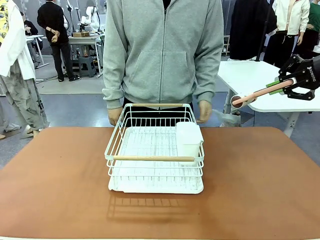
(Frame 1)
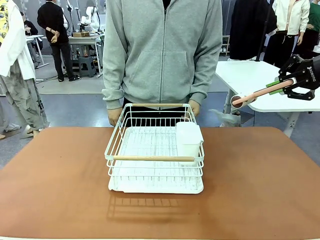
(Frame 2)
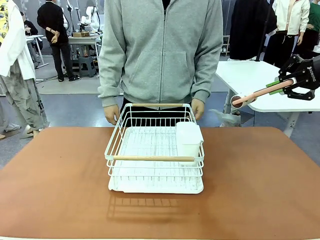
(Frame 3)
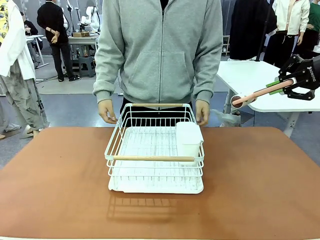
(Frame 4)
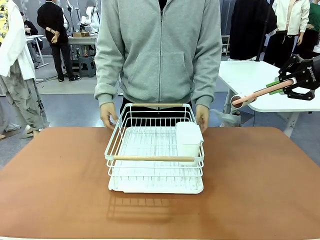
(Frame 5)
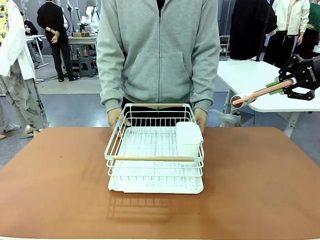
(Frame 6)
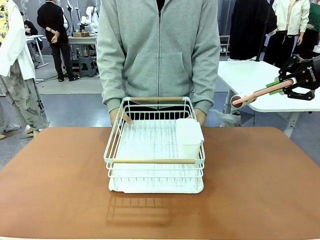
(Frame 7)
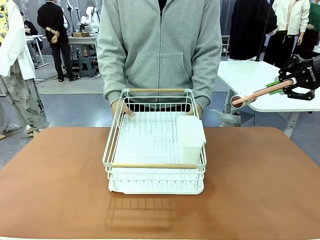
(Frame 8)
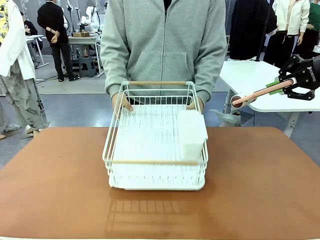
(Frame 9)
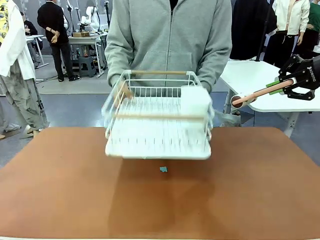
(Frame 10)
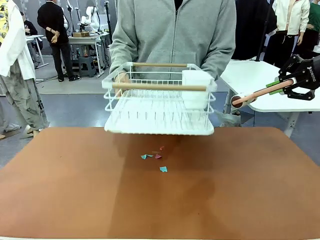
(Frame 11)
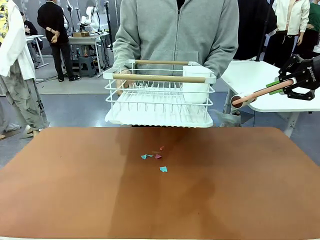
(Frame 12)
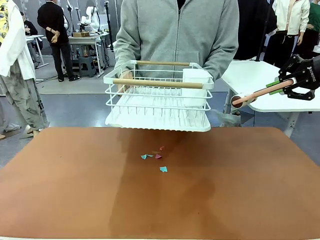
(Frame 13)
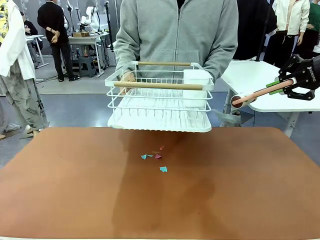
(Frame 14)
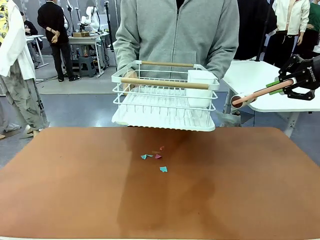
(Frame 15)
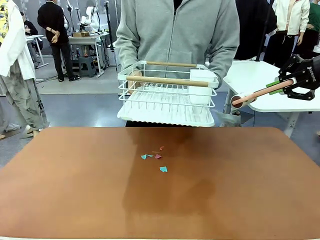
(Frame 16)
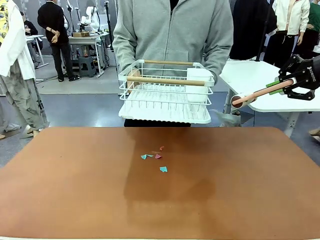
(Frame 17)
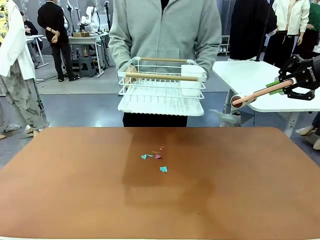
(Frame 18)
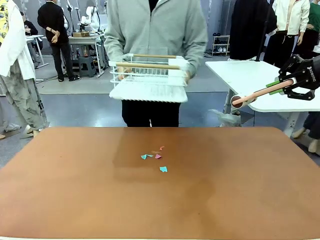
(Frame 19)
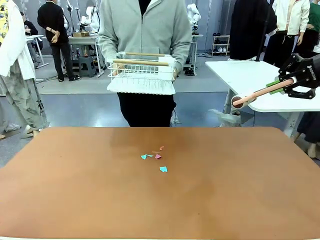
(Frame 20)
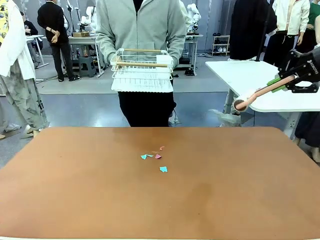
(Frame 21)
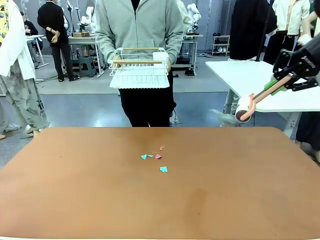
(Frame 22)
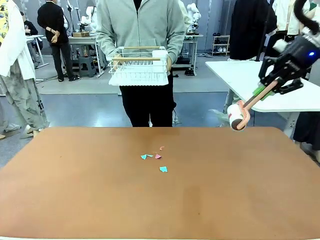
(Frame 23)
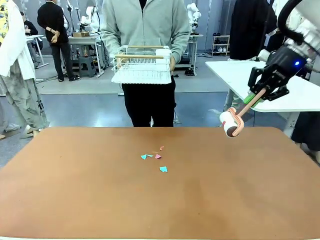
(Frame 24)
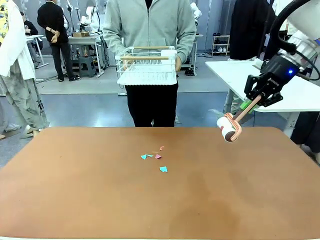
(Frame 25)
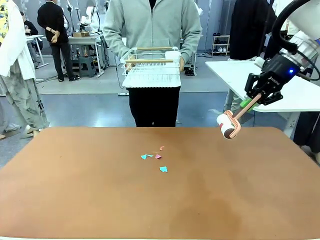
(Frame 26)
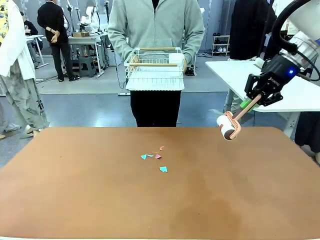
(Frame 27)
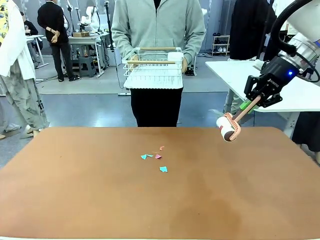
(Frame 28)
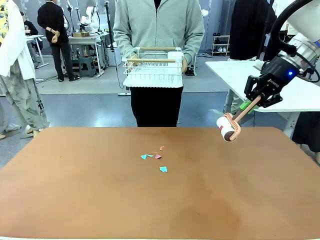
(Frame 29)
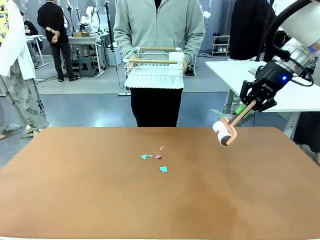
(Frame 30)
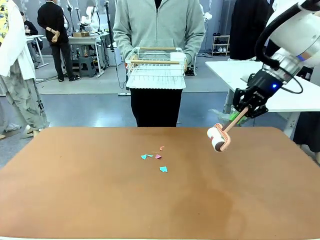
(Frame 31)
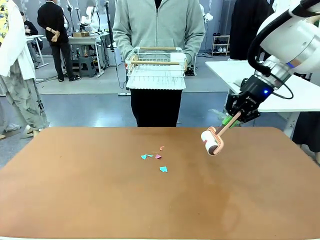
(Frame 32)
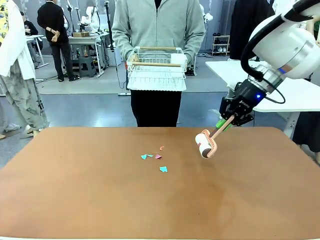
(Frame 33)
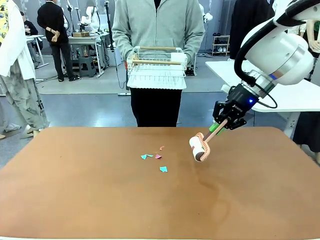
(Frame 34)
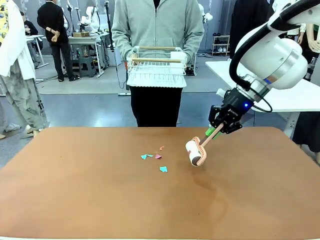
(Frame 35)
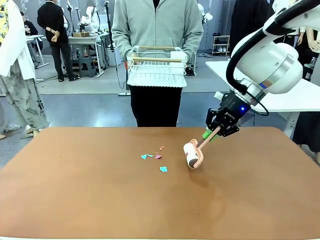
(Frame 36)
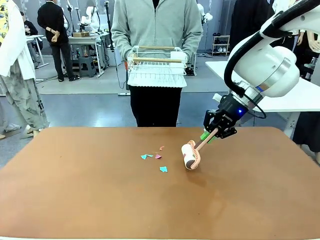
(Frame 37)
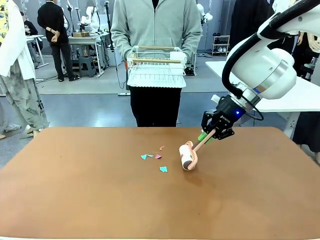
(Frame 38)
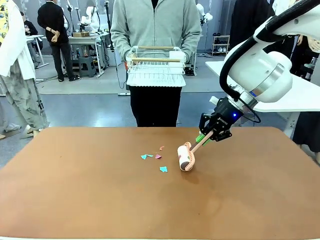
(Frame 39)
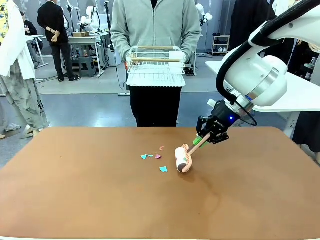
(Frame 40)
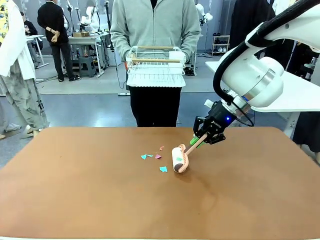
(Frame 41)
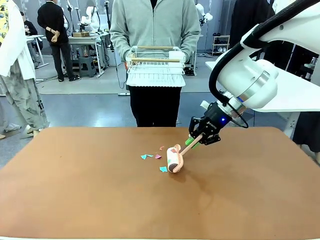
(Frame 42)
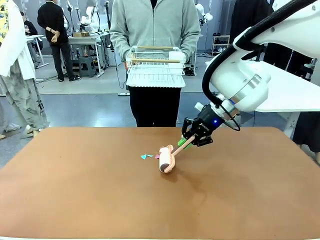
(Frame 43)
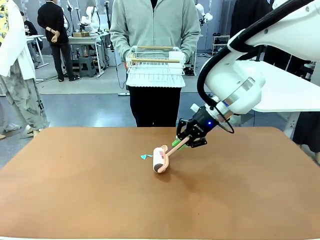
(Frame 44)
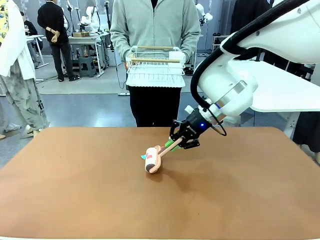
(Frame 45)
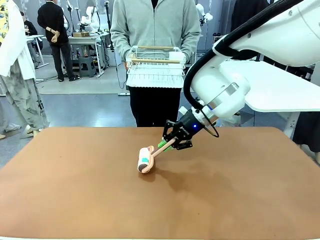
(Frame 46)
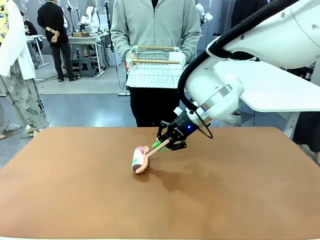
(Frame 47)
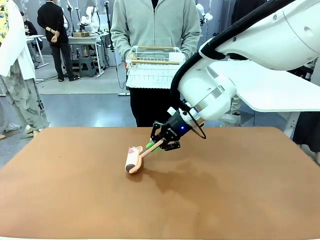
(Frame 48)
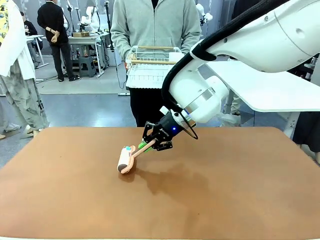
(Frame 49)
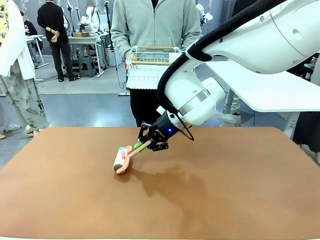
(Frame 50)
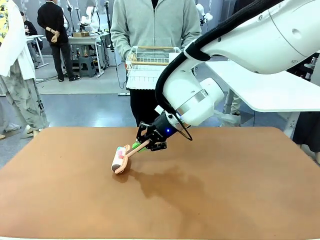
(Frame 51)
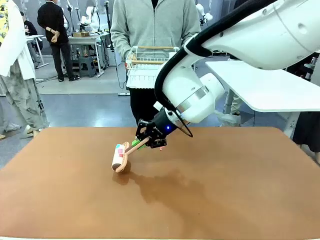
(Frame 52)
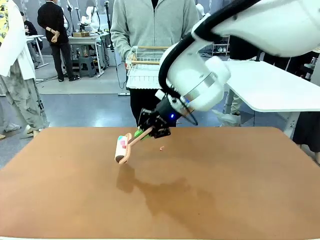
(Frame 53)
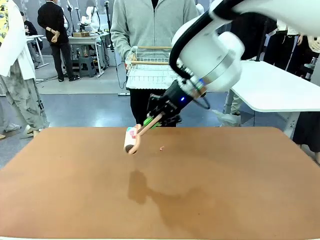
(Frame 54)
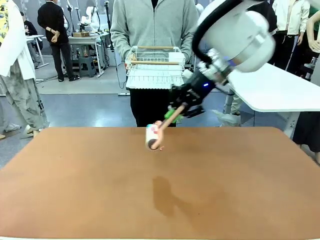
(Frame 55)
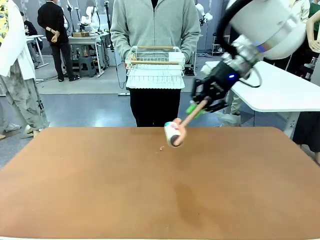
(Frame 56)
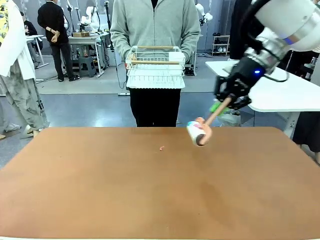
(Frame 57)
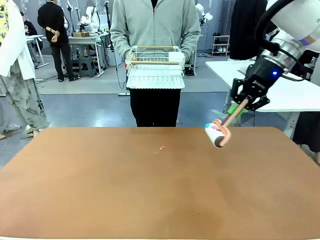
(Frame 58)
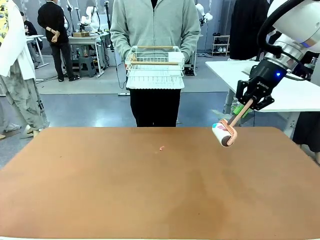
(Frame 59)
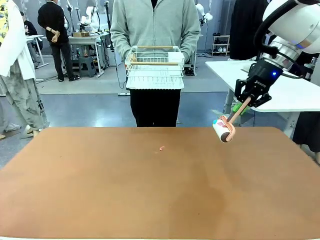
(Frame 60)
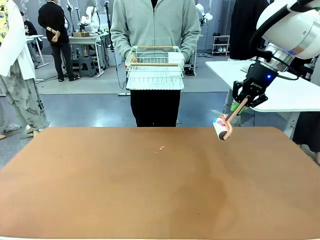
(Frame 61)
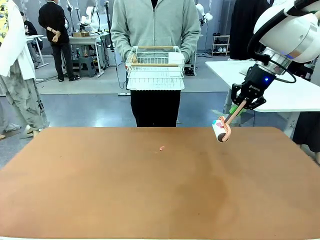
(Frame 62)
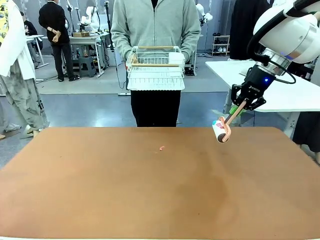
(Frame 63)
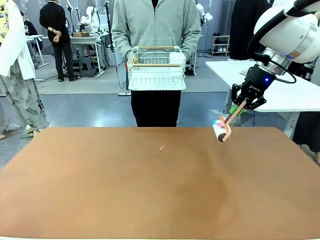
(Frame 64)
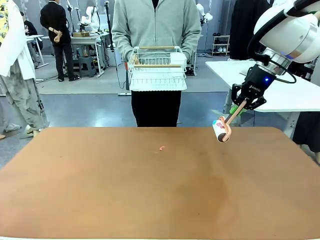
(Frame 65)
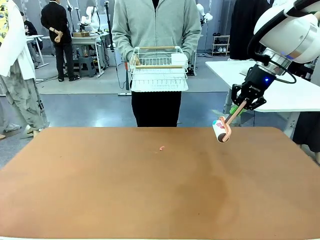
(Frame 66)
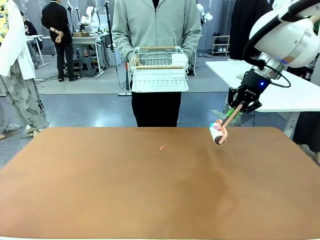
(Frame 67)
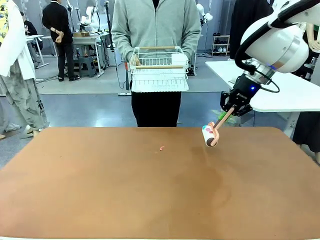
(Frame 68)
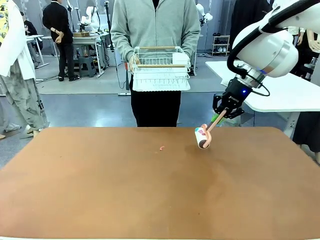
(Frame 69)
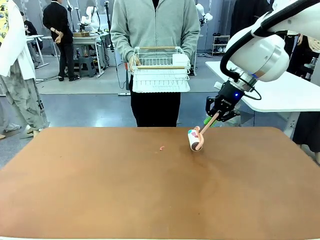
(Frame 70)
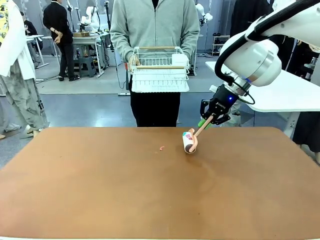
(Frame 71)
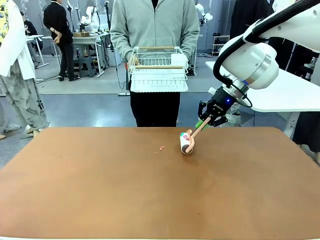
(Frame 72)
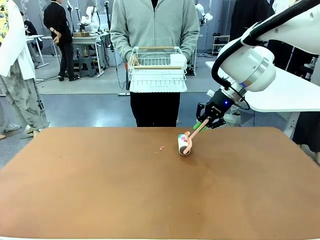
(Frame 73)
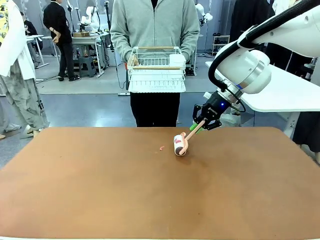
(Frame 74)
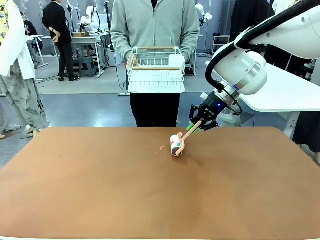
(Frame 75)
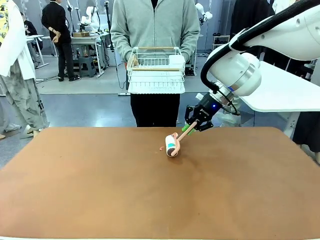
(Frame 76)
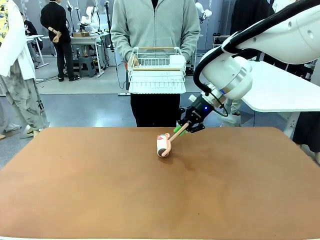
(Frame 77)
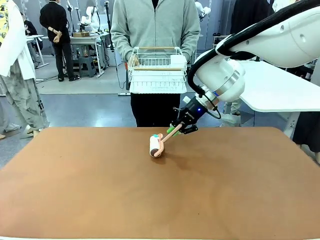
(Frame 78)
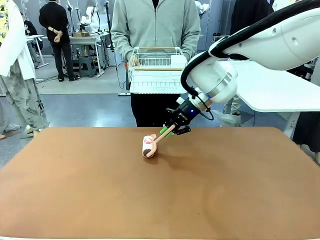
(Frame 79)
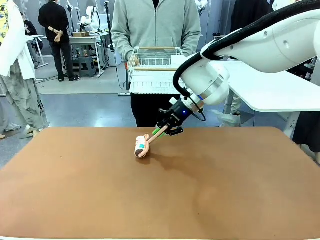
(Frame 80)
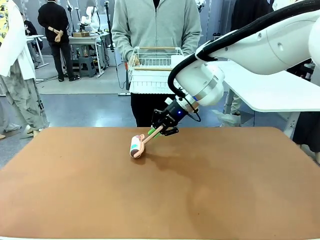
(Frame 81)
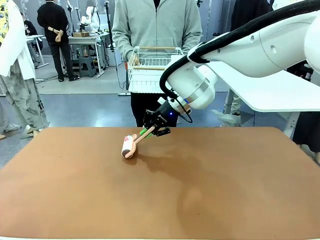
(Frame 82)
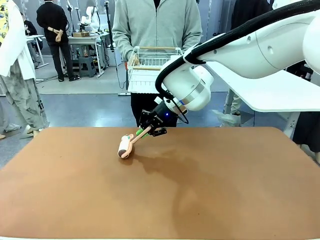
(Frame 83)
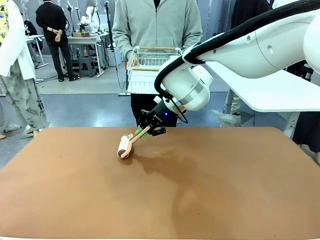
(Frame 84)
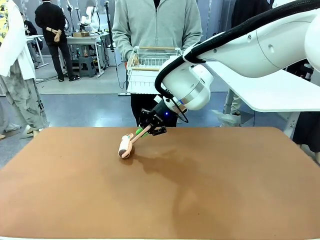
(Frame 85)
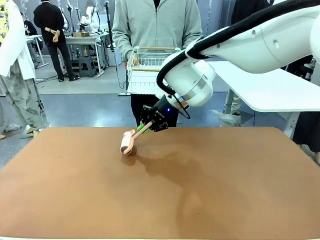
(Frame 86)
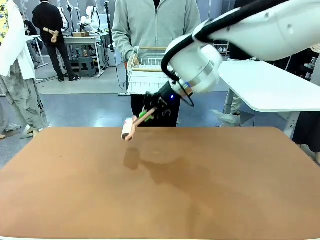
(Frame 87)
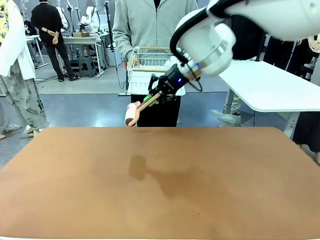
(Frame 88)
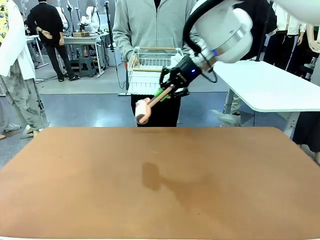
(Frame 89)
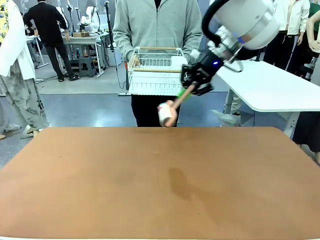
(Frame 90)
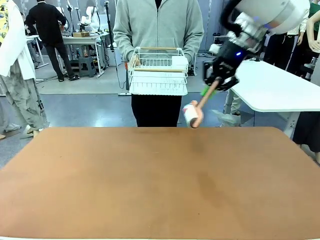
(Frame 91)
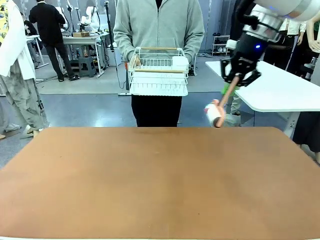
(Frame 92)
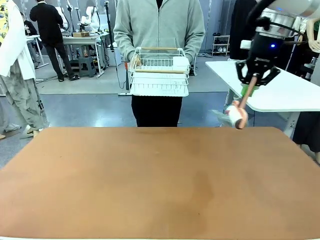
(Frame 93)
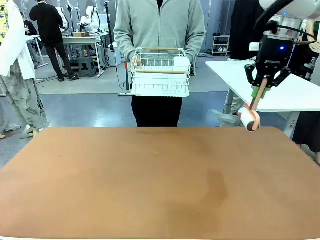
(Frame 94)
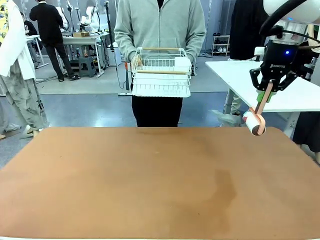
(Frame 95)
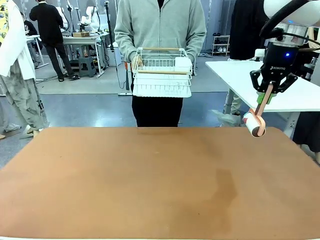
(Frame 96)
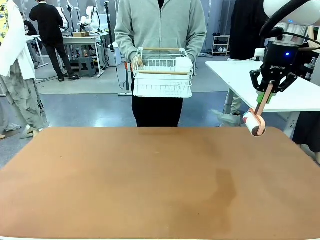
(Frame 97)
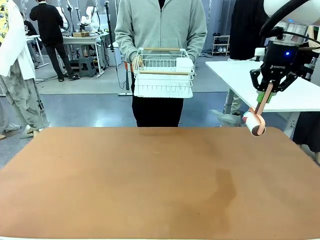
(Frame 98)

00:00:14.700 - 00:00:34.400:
Task: Clean the table.
Robot: Clean the table with the Lint Roller when the human lifts the Dish drying rack.
Person: Place the Dish drying rack down when the robot finishes cleaning.
